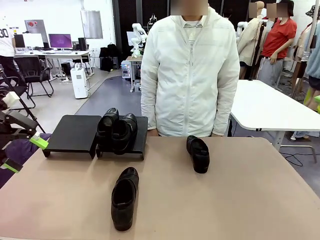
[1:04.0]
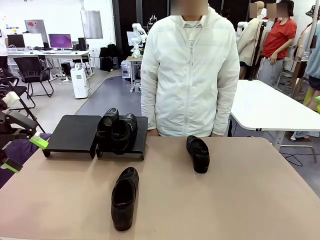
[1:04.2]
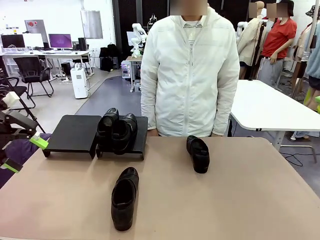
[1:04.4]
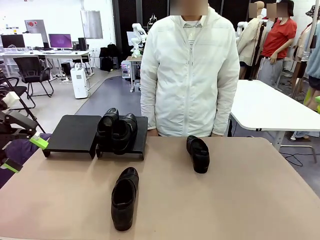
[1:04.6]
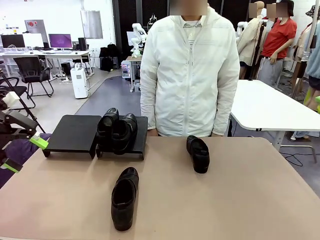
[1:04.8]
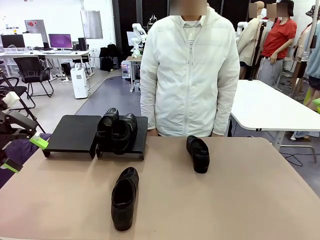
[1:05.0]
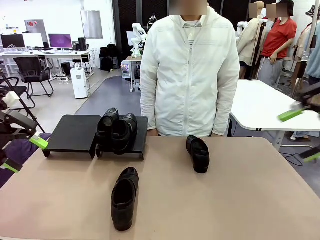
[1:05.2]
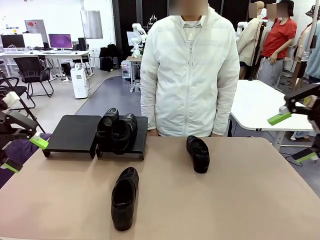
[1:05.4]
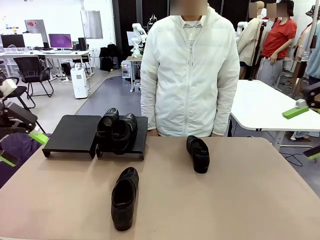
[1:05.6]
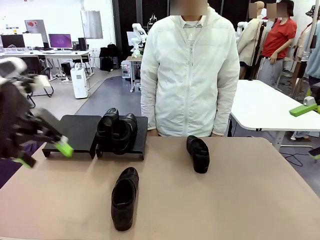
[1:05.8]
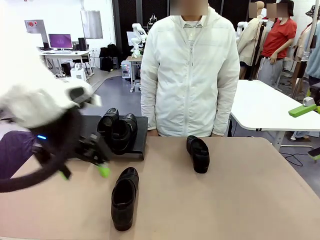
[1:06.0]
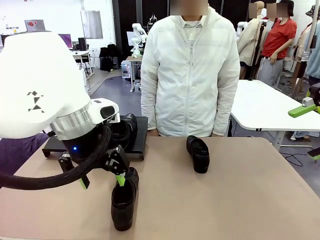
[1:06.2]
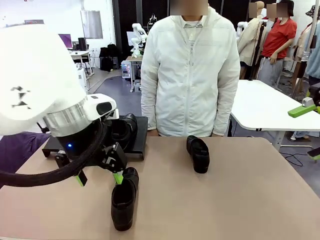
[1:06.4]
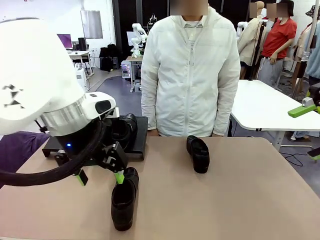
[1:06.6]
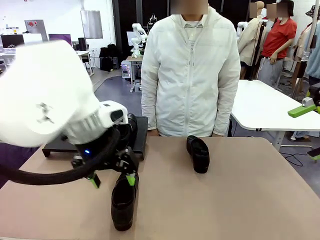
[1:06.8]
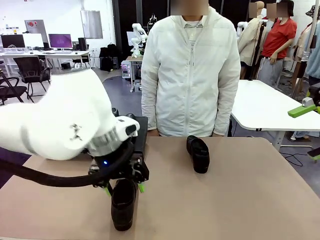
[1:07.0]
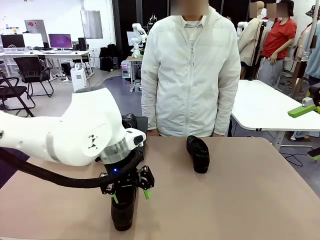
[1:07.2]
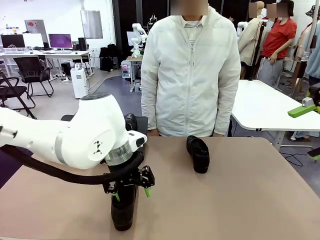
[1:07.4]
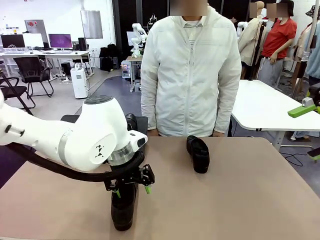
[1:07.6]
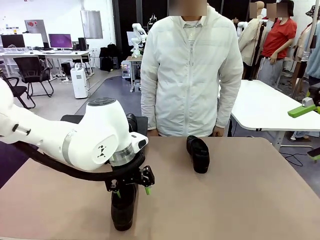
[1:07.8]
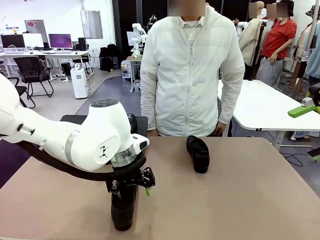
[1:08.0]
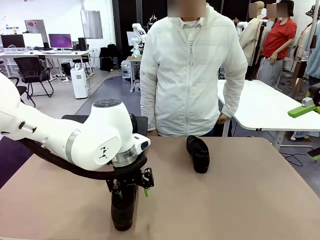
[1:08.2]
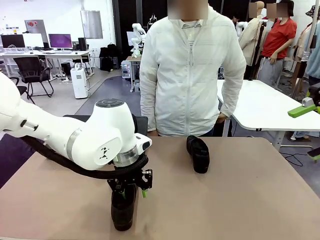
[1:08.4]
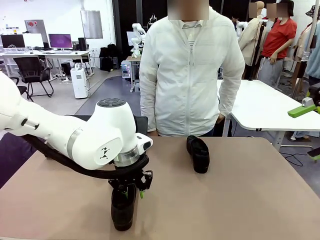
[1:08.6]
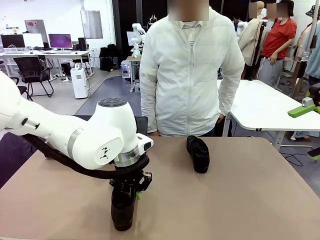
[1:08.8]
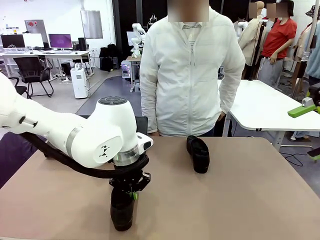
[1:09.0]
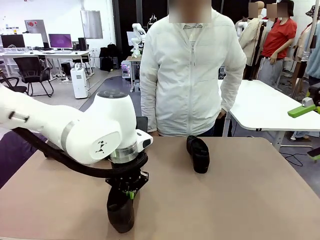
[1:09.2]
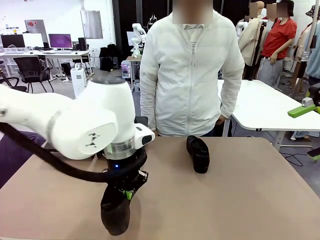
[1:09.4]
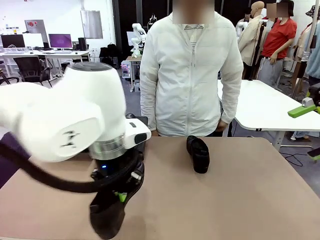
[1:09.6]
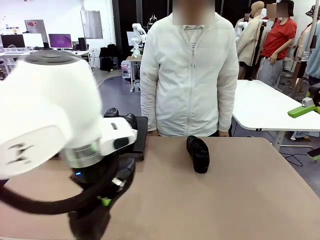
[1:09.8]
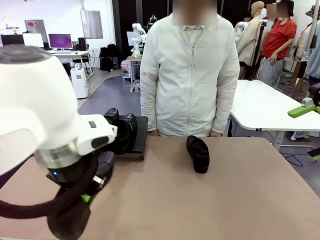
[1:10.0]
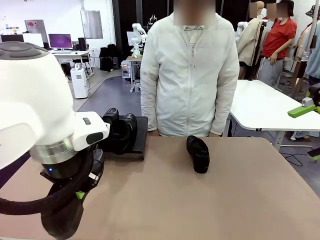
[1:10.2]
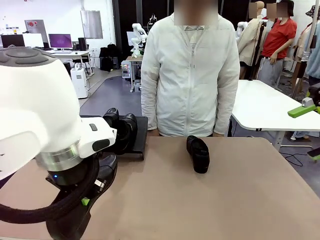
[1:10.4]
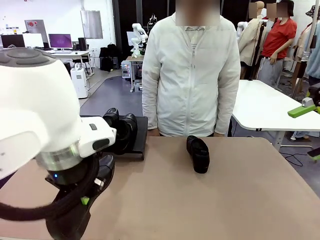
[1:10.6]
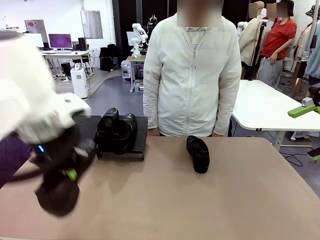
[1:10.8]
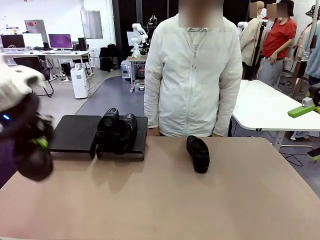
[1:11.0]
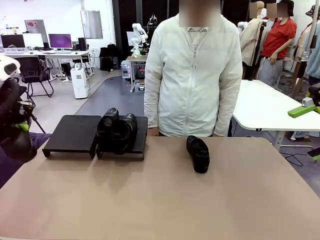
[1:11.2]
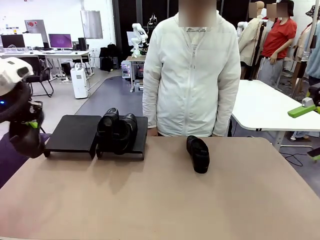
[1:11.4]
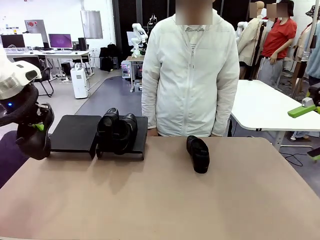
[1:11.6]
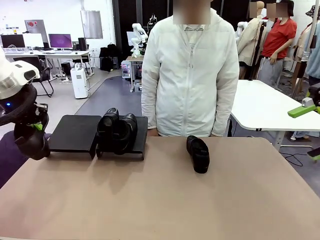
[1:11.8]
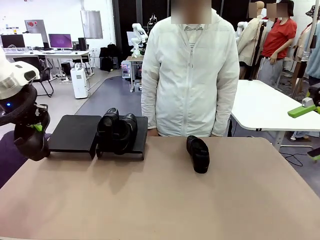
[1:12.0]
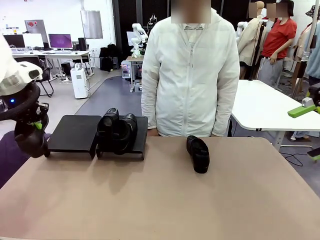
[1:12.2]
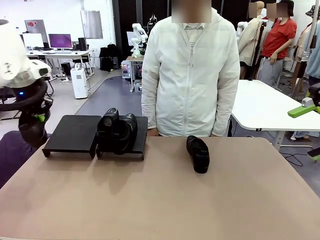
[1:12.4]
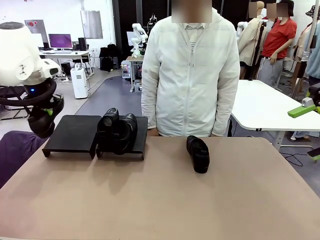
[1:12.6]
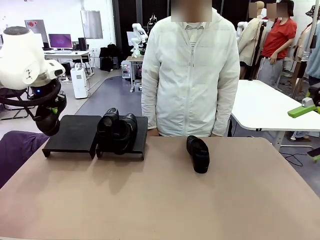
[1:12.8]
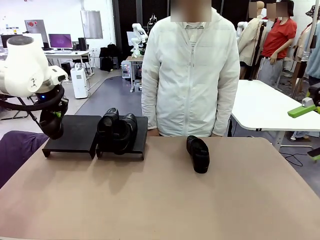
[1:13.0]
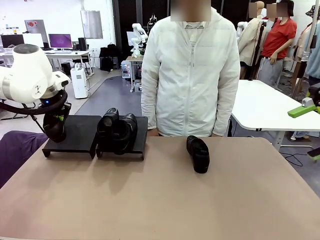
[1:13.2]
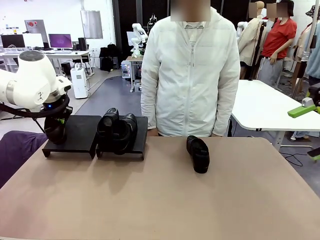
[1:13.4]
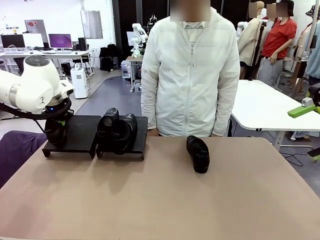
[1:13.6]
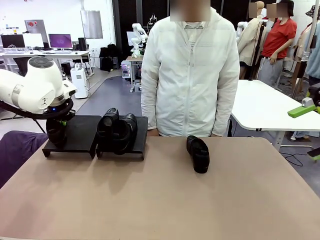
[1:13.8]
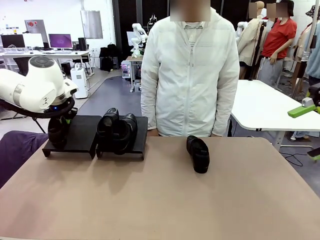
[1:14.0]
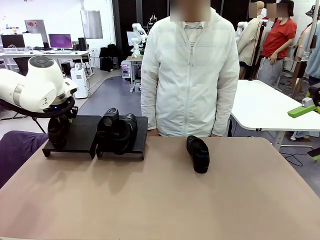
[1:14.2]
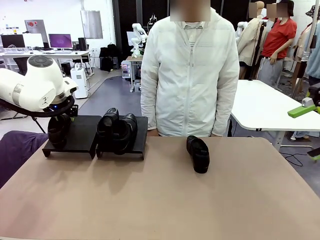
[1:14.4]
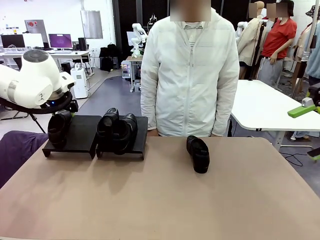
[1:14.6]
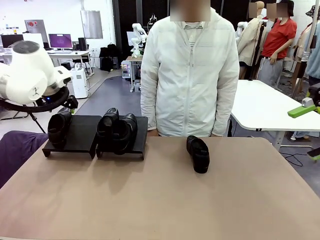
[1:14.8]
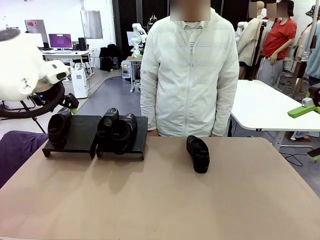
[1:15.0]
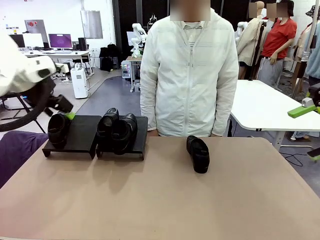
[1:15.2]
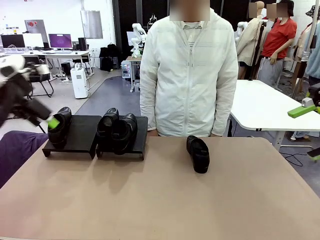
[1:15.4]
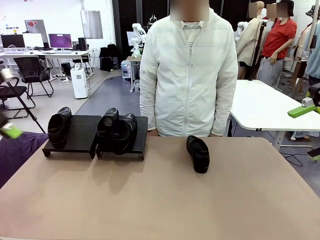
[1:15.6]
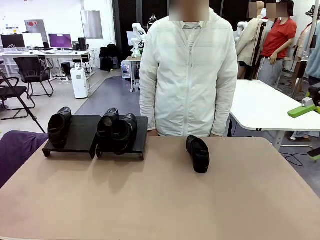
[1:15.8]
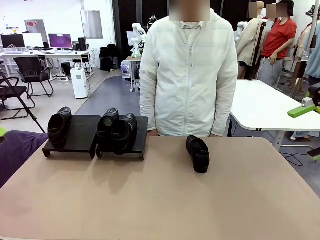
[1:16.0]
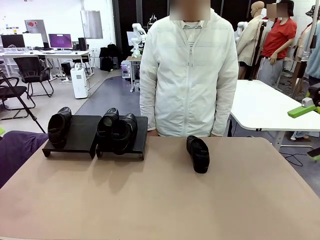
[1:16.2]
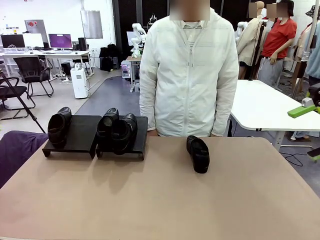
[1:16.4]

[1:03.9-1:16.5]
Task: Organize the shoes by placing them on the stand.
Robot: Place the Shoe from the middle of the table onto the Shoes Stand.

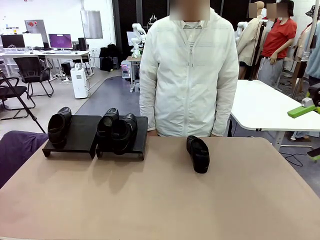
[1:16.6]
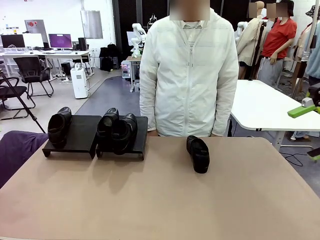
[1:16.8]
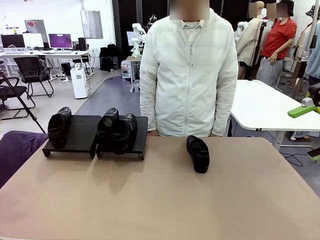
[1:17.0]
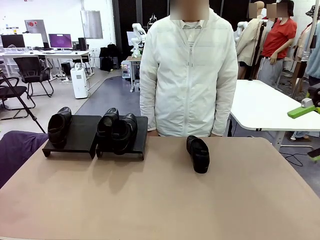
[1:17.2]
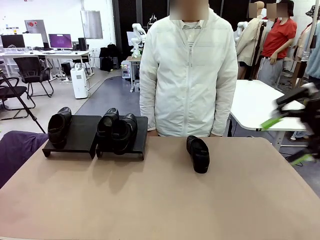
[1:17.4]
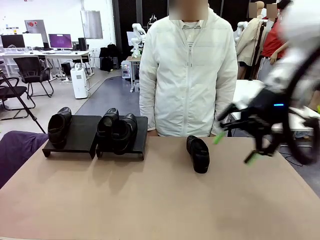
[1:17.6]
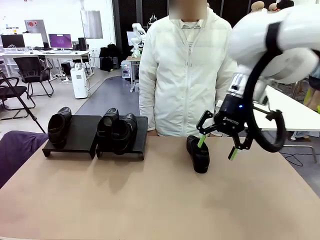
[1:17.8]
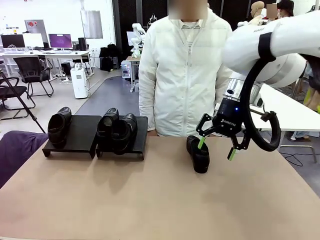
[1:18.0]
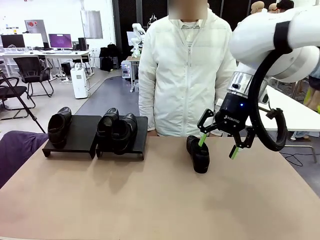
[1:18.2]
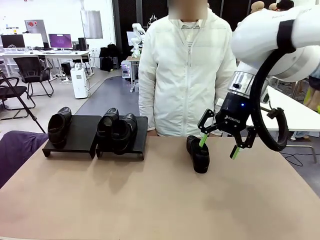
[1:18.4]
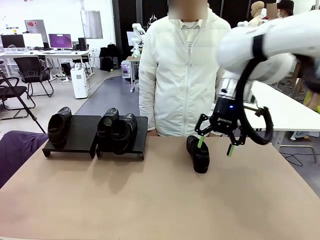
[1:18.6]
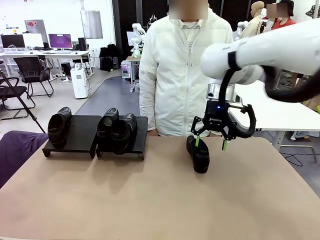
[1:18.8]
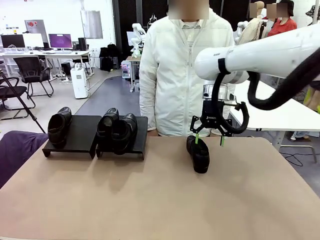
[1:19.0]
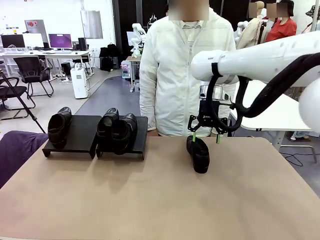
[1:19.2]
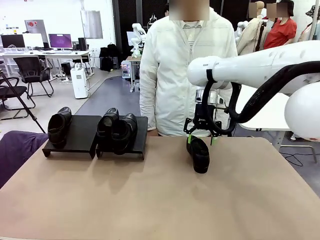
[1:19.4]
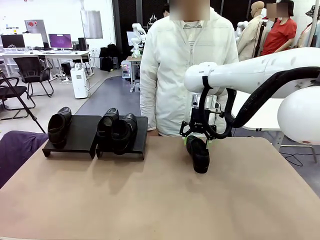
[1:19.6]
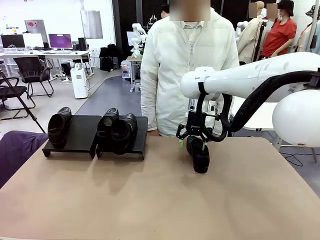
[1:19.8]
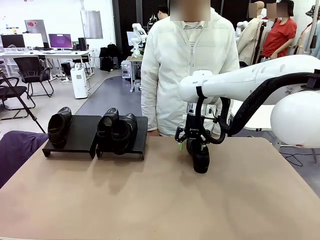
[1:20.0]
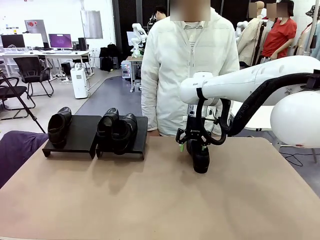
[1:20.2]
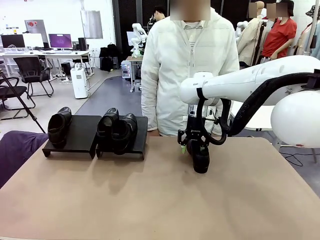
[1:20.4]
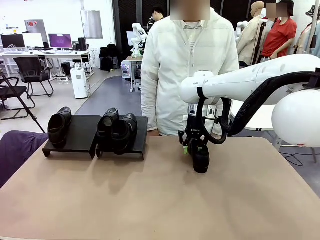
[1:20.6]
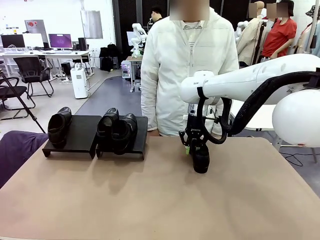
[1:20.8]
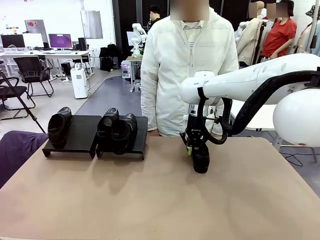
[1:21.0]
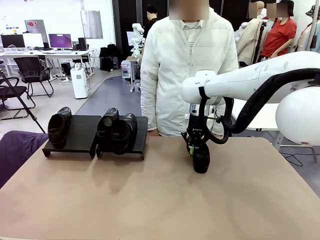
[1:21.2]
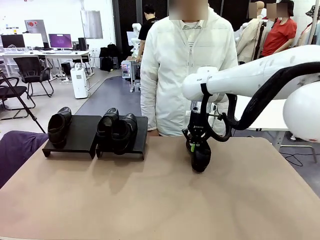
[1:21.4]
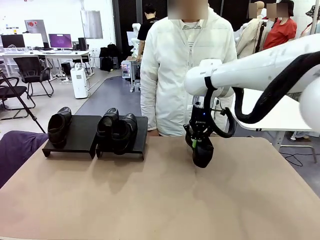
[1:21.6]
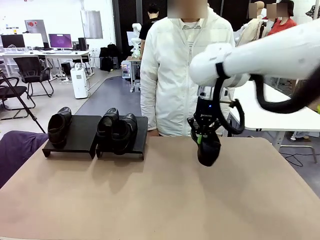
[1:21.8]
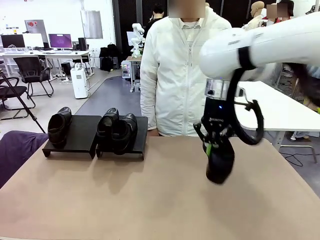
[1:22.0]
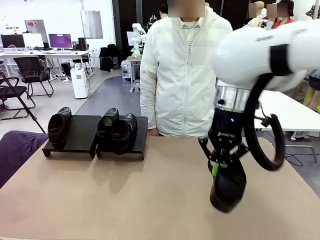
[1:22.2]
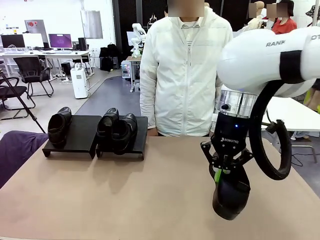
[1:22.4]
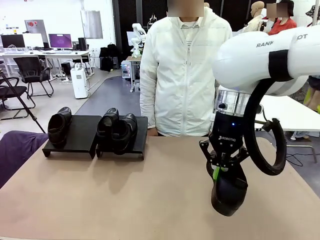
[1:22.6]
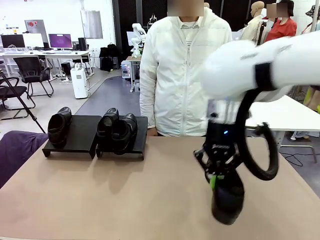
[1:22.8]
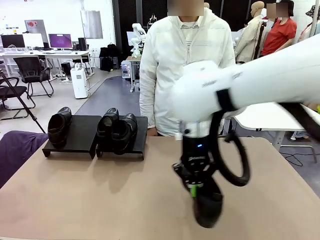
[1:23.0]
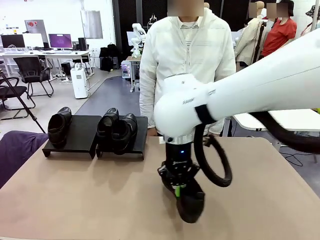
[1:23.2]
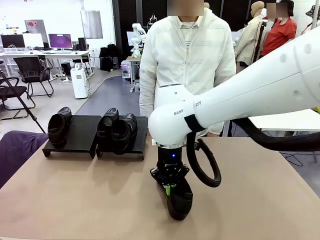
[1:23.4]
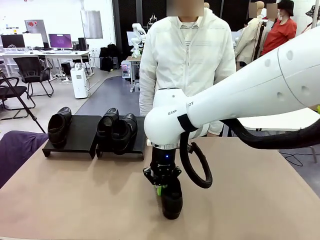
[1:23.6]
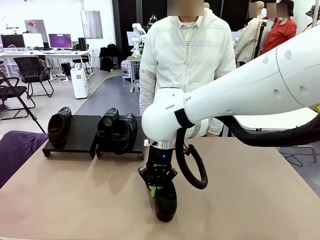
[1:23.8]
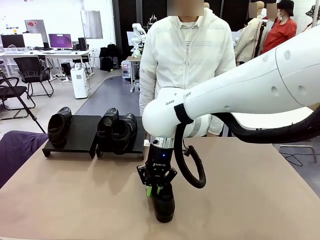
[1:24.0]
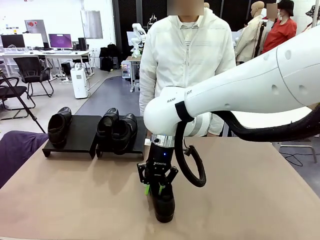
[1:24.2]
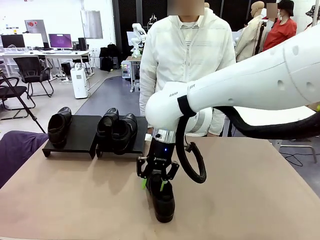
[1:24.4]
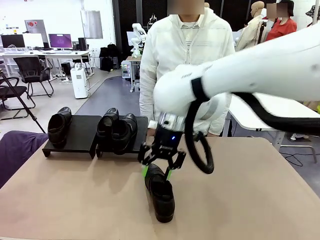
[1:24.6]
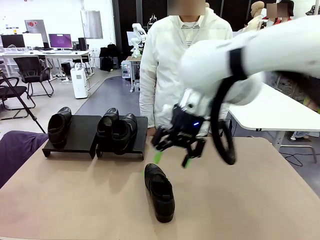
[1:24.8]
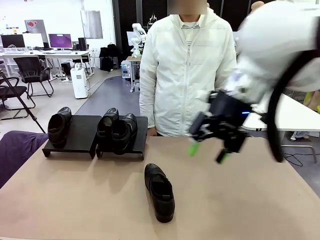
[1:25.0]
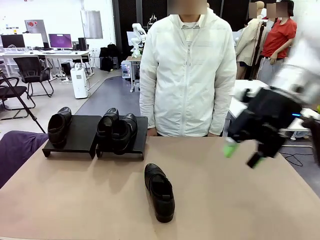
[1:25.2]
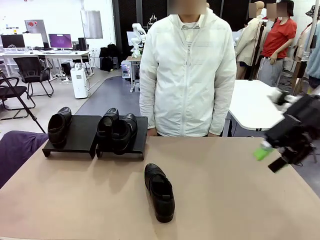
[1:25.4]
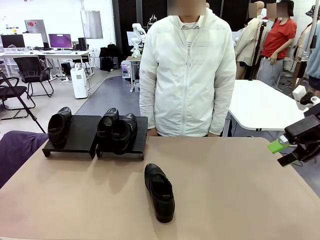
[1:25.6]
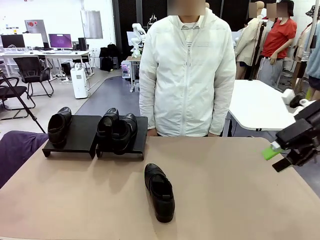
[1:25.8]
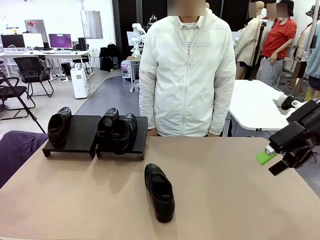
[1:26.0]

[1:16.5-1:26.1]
Robot: Pick up one Shoe and place it in the middle of the table.
